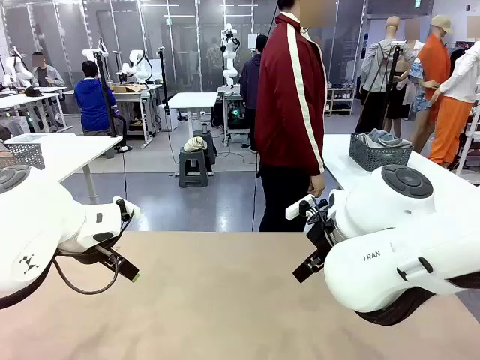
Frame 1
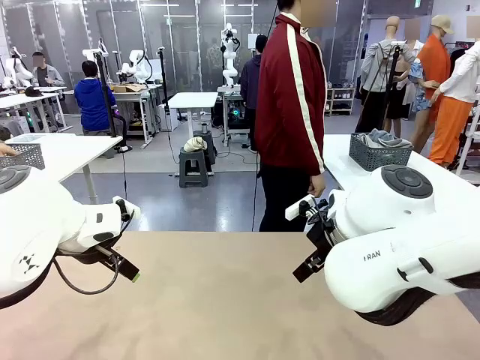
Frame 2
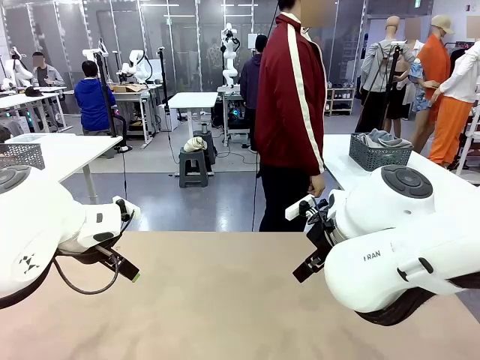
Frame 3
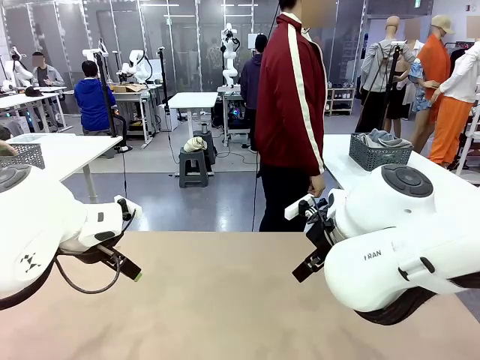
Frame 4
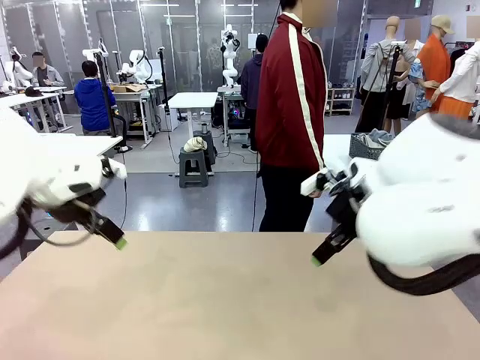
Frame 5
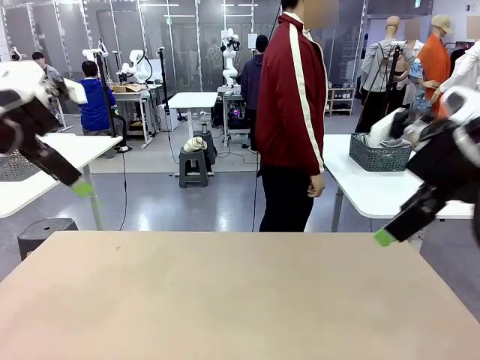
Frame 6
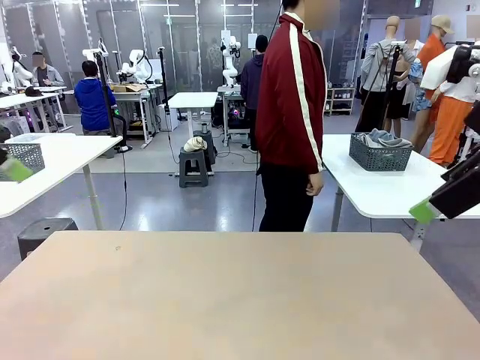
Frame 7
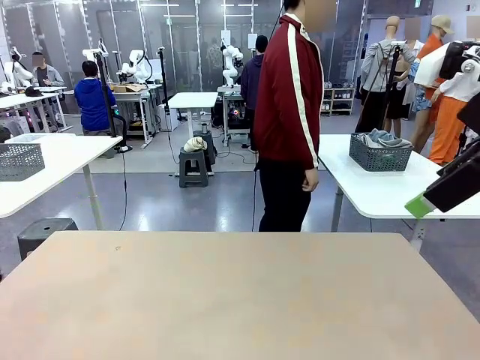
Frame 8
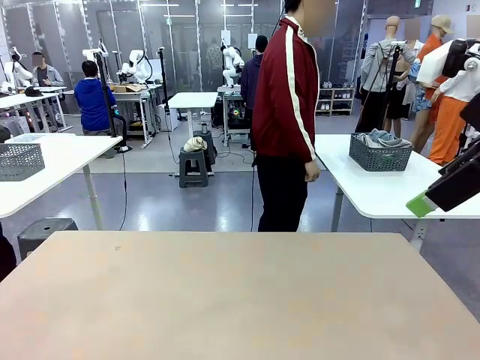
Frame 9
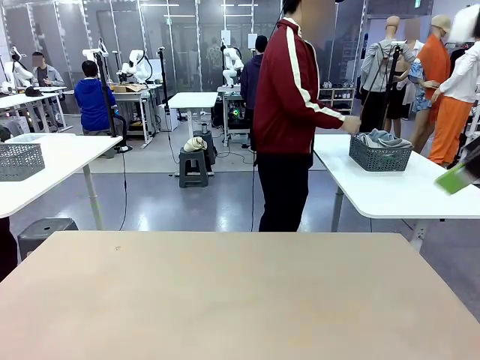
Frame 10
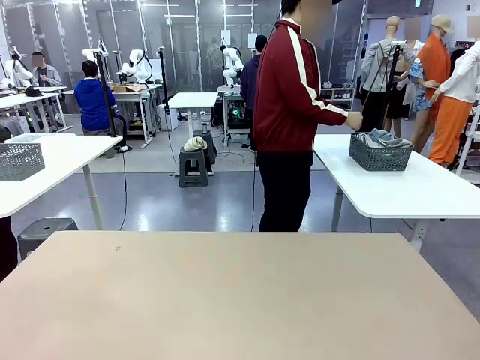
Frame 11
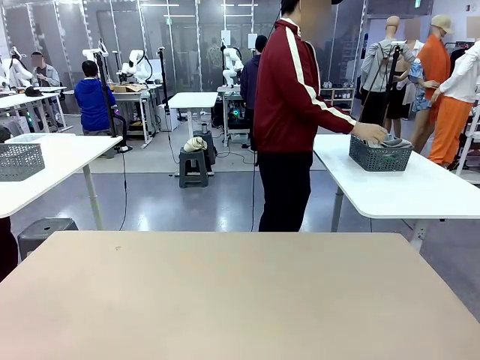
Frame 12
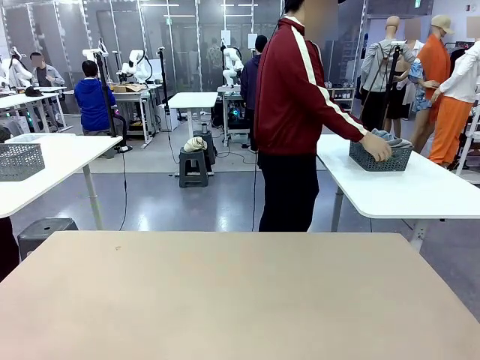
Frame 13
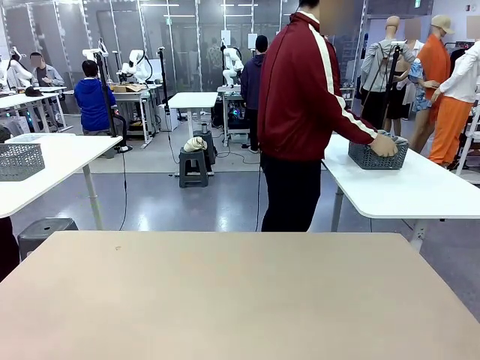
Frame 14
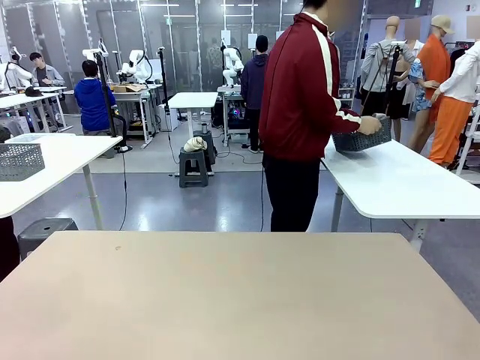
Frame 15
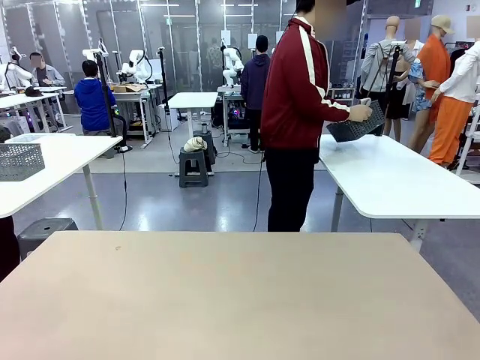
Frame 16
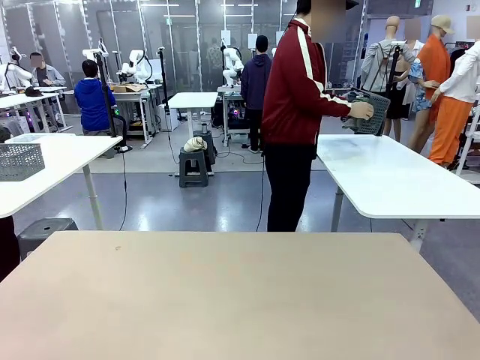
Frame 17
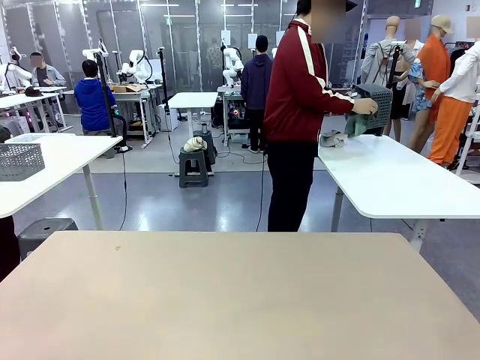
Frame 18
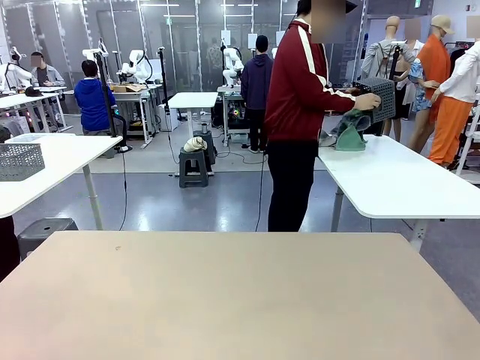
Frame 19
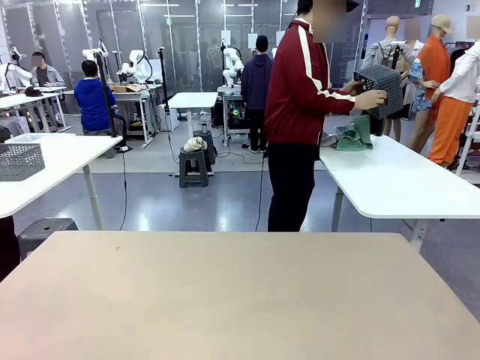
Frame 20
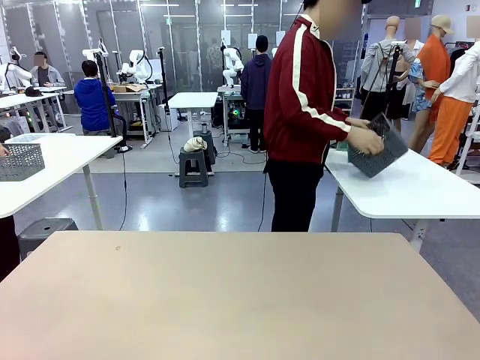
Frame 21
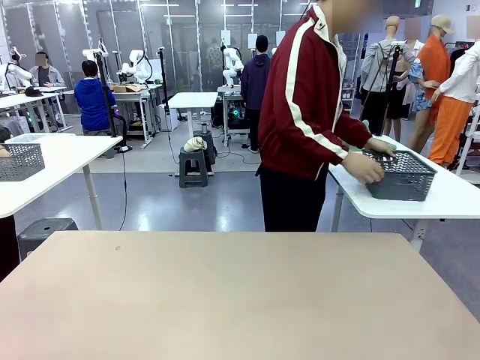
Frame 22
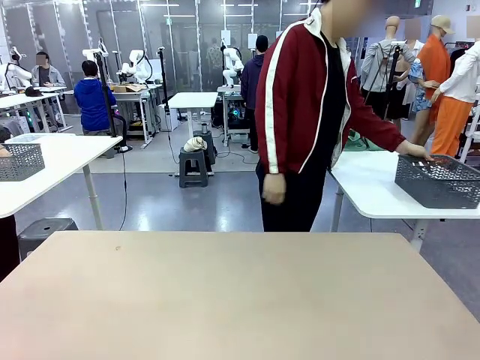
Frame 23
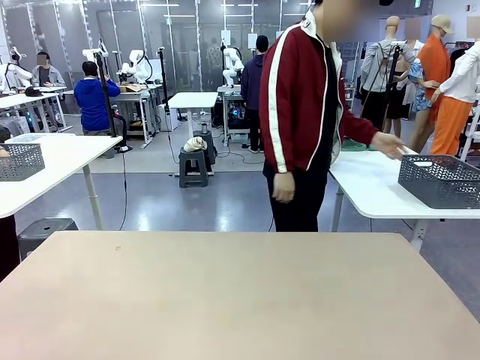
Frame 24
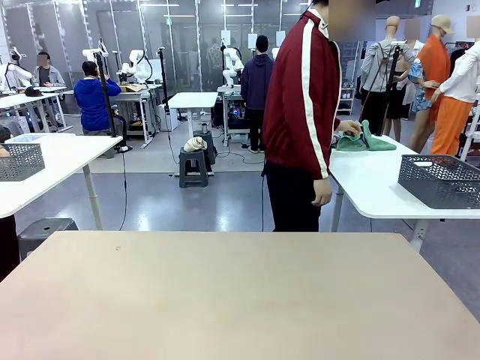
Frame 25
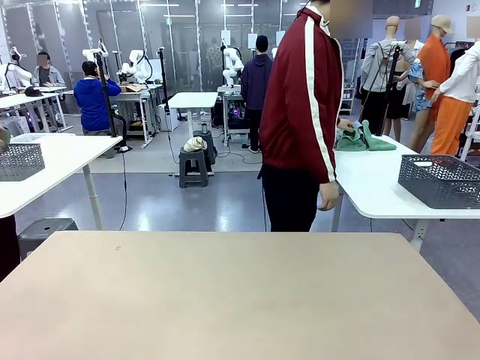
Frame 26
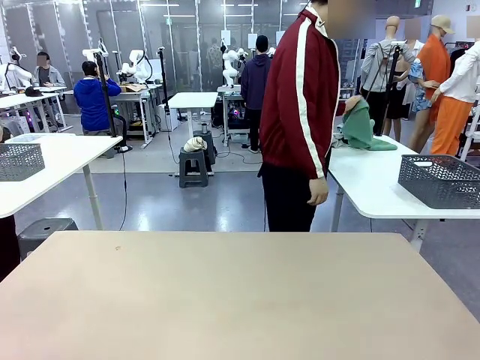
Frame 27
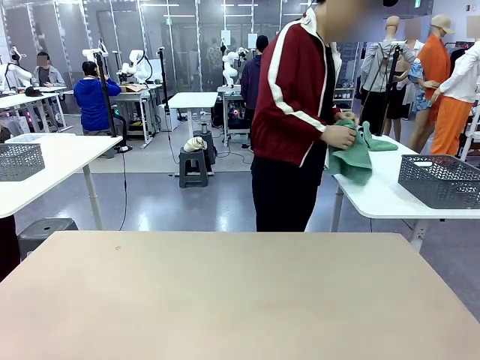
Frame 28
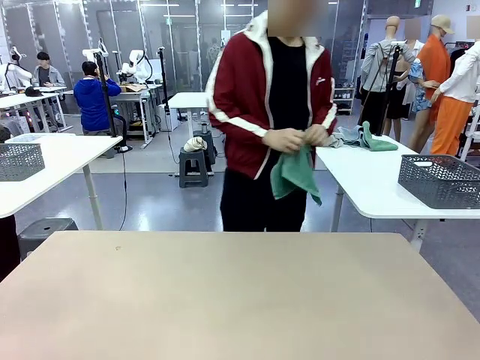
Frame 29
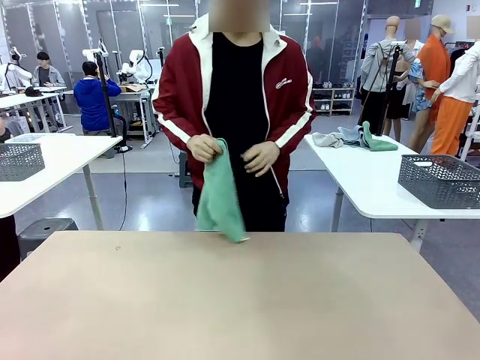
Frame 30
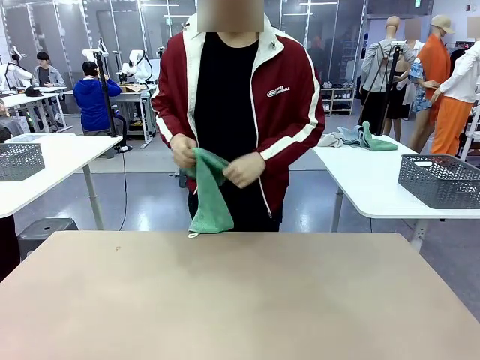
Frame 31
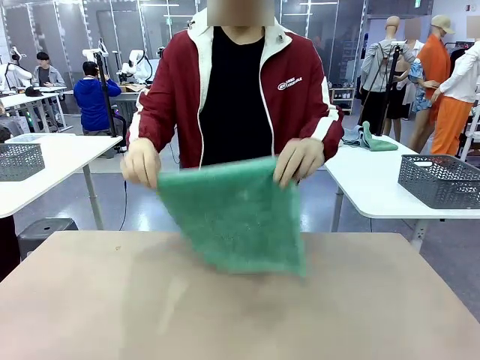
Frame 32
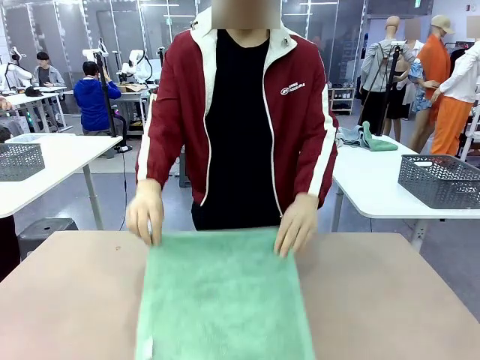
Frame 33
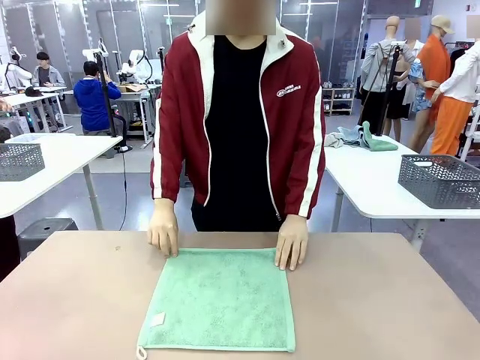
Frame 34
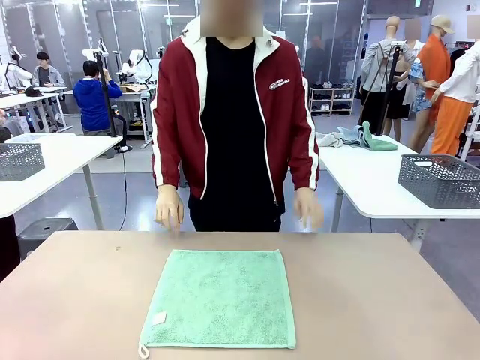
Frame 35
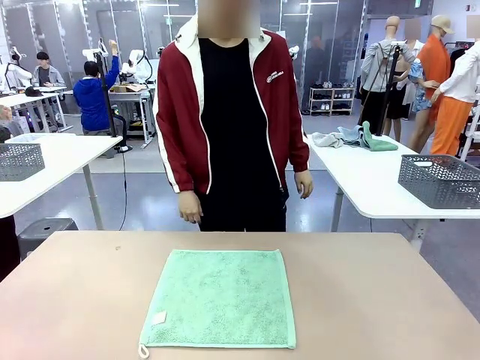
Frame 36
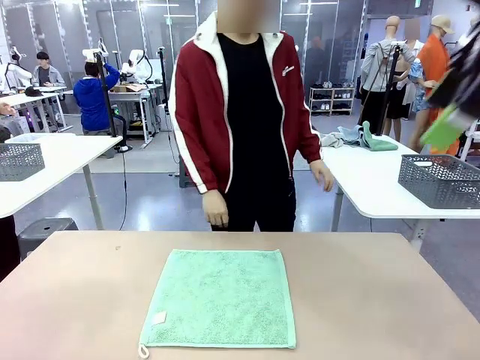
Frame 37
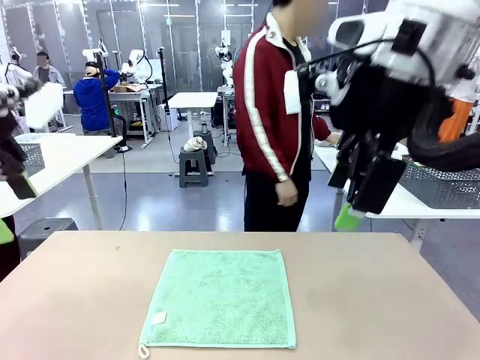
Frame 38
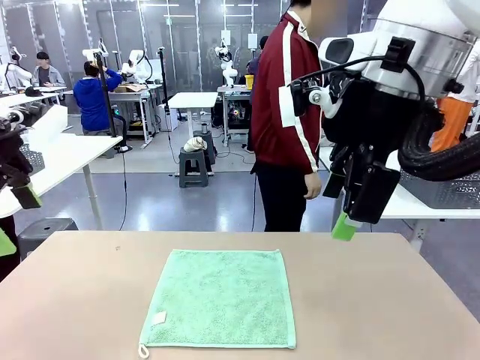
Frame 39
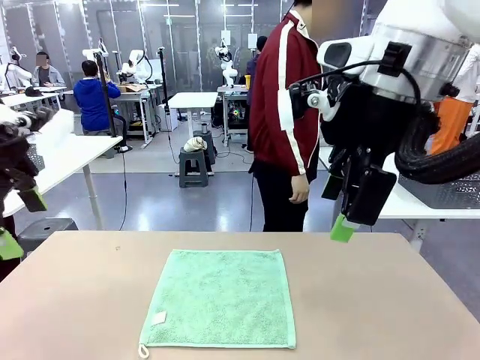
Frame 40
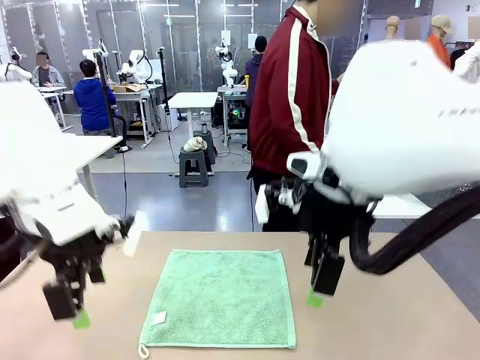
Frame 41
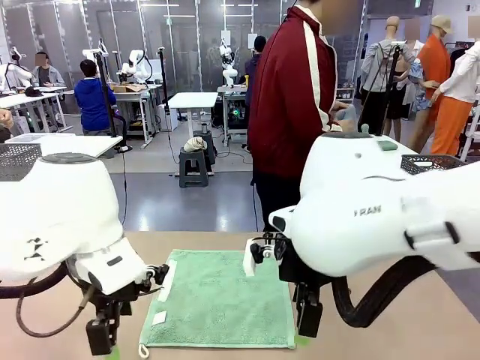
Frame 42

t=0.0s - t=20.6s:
Task: Fold the towels and place them in the basket.
Robot: When a person lays out a Towel with hook on the table, fold it in half twice.
Person: Pick up the basket, pour the towels onto the left side of the human table, and place the basket on the right side. Pick up one towel and spread it out at the center of the robot table.
